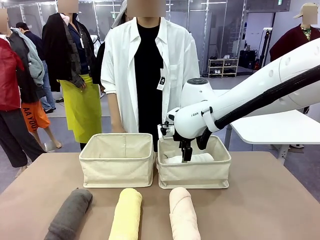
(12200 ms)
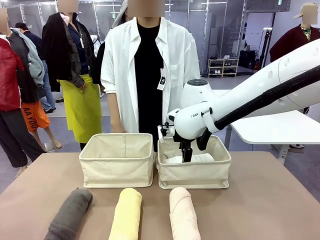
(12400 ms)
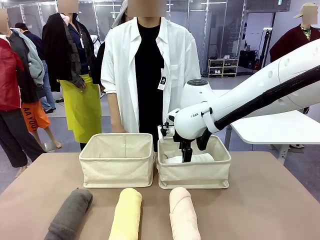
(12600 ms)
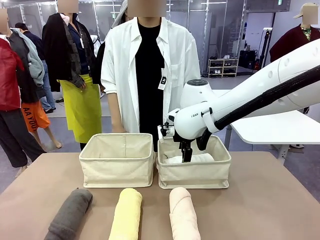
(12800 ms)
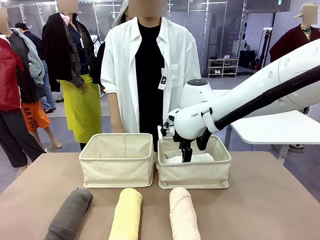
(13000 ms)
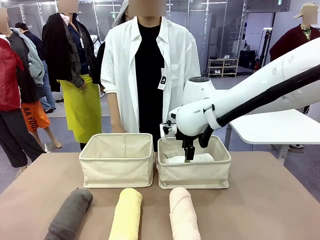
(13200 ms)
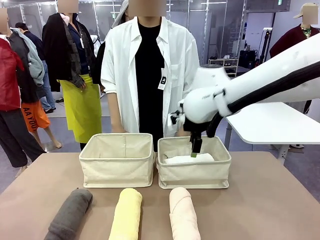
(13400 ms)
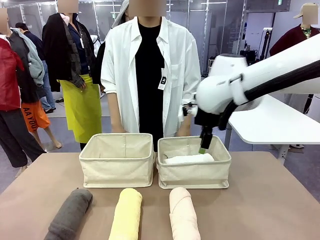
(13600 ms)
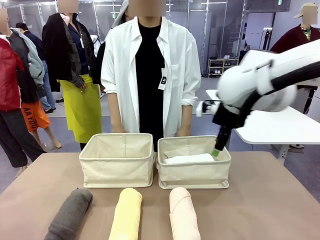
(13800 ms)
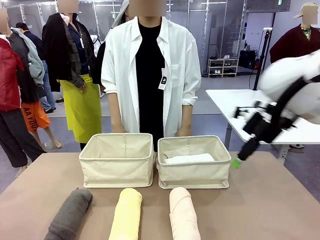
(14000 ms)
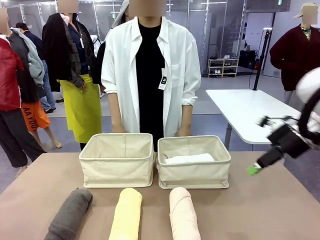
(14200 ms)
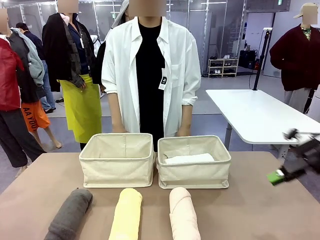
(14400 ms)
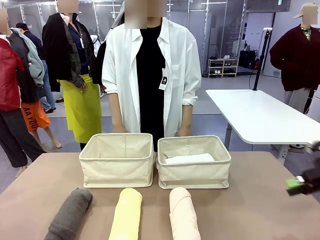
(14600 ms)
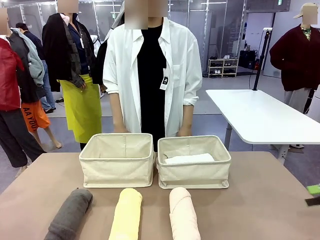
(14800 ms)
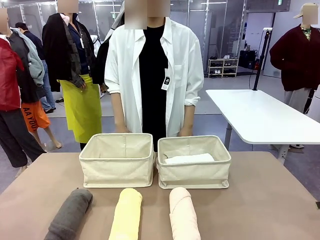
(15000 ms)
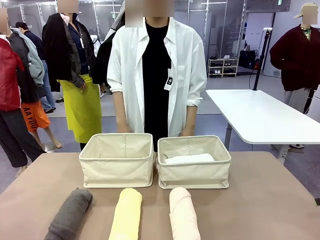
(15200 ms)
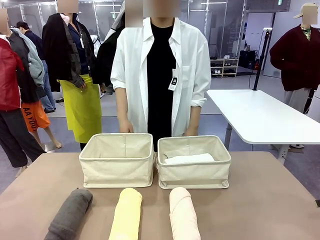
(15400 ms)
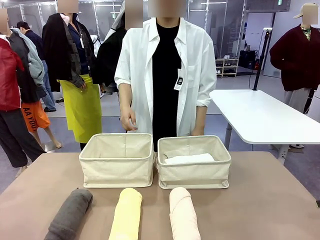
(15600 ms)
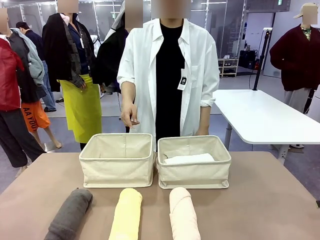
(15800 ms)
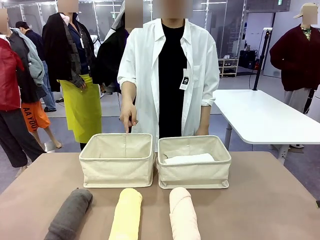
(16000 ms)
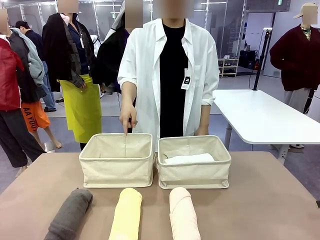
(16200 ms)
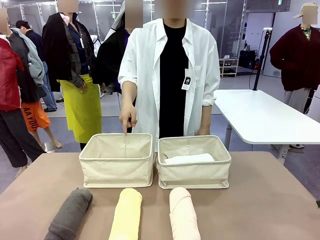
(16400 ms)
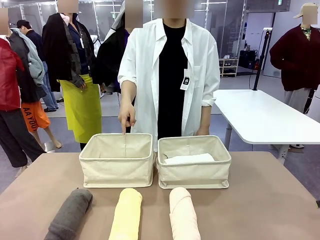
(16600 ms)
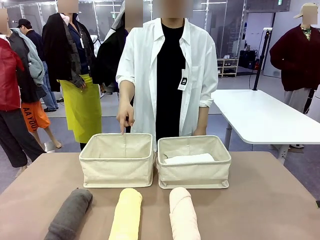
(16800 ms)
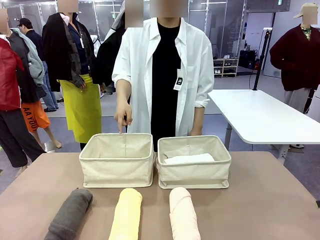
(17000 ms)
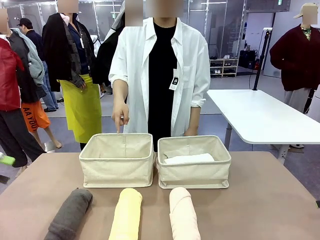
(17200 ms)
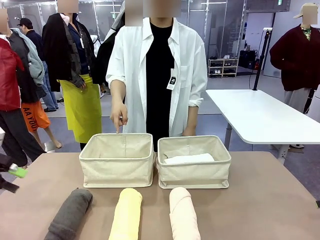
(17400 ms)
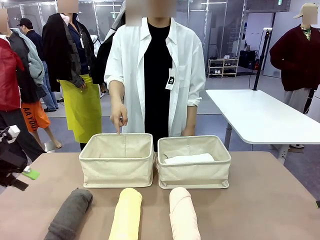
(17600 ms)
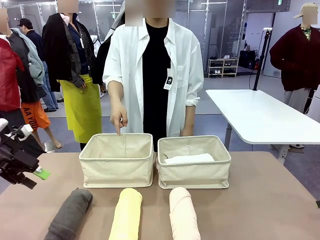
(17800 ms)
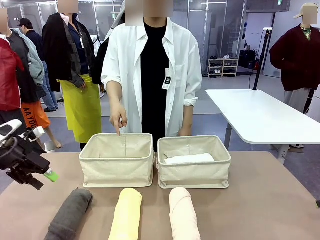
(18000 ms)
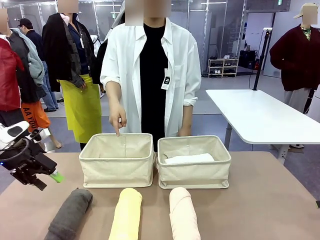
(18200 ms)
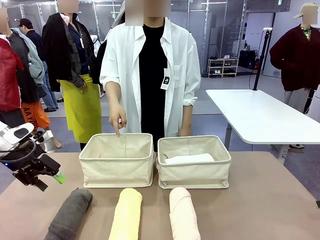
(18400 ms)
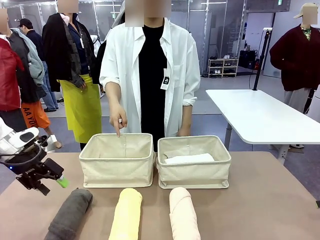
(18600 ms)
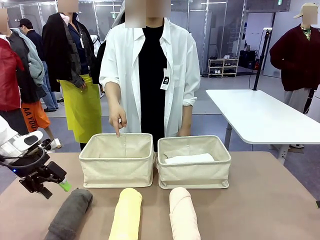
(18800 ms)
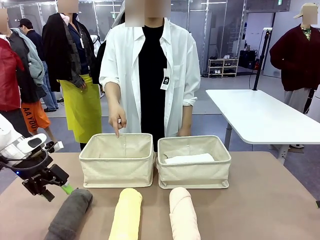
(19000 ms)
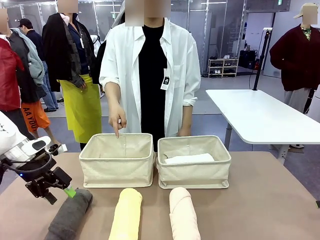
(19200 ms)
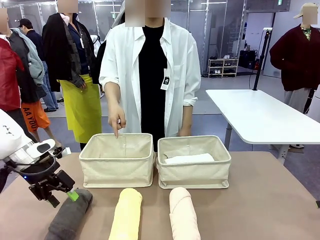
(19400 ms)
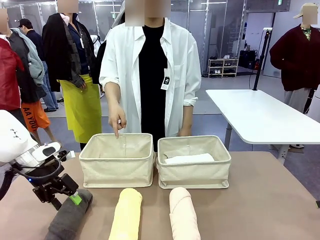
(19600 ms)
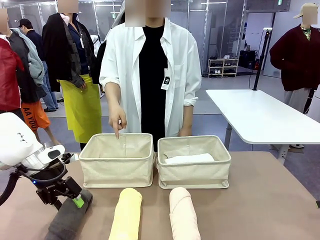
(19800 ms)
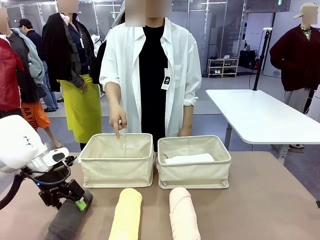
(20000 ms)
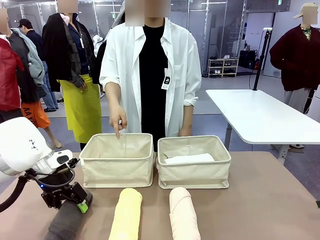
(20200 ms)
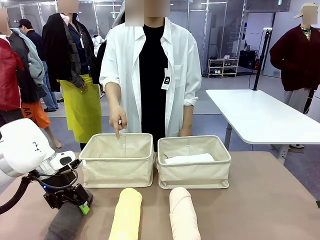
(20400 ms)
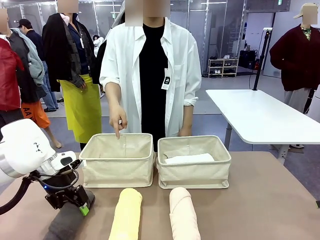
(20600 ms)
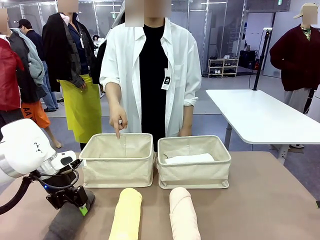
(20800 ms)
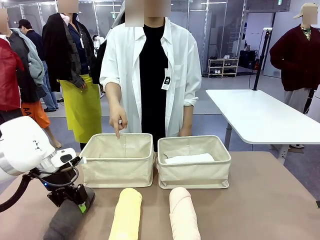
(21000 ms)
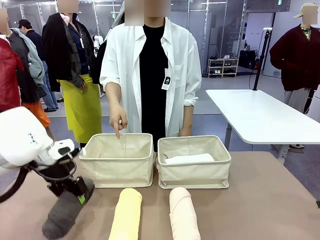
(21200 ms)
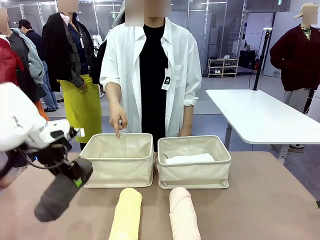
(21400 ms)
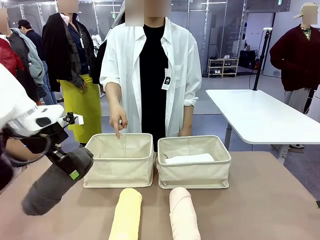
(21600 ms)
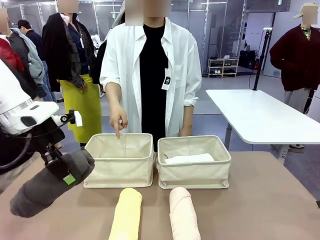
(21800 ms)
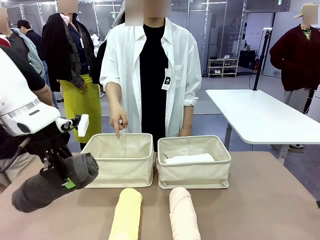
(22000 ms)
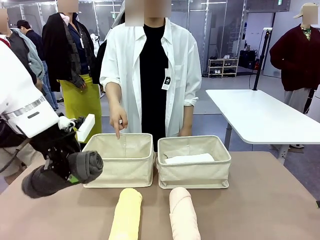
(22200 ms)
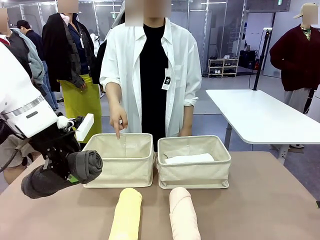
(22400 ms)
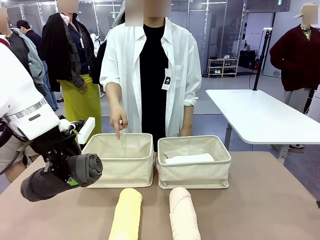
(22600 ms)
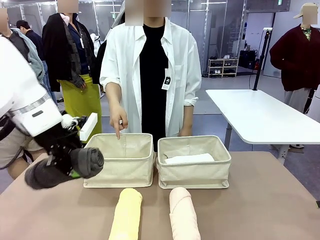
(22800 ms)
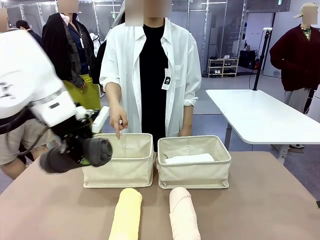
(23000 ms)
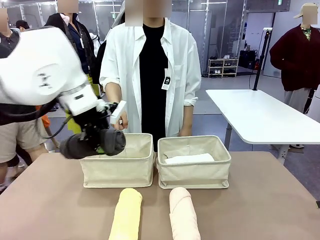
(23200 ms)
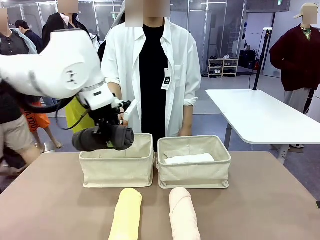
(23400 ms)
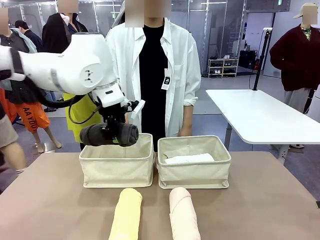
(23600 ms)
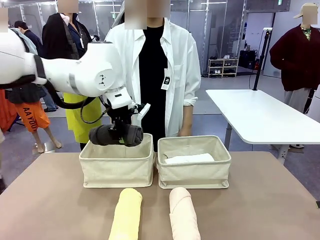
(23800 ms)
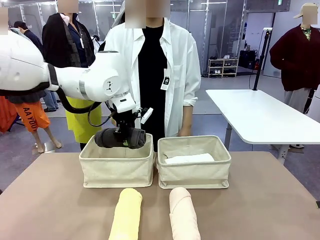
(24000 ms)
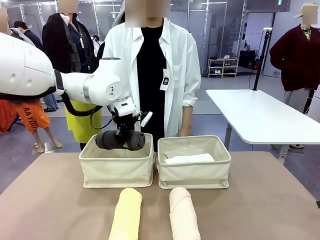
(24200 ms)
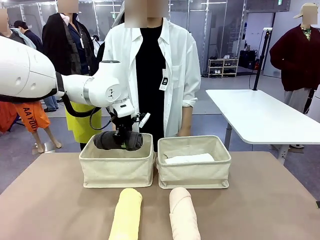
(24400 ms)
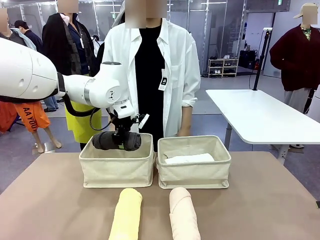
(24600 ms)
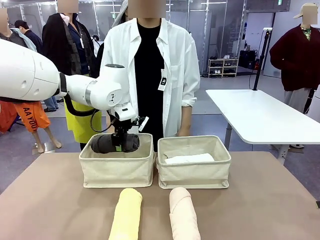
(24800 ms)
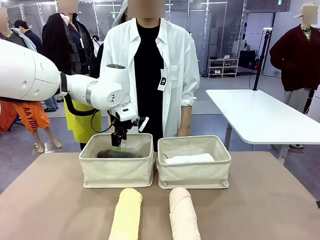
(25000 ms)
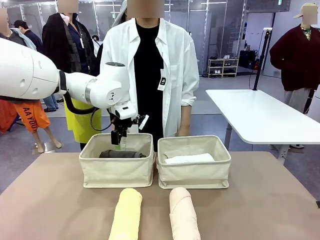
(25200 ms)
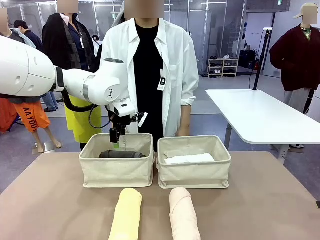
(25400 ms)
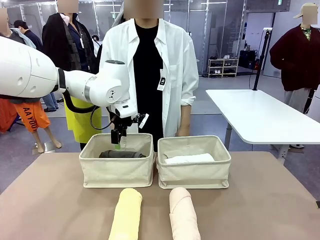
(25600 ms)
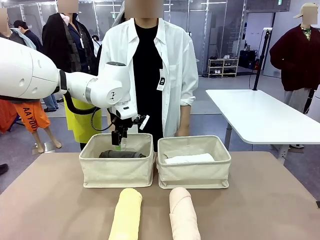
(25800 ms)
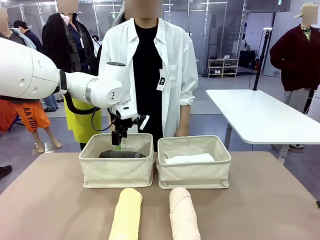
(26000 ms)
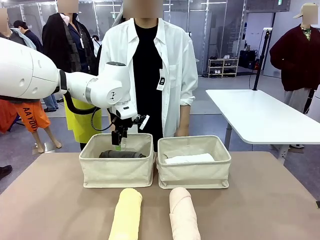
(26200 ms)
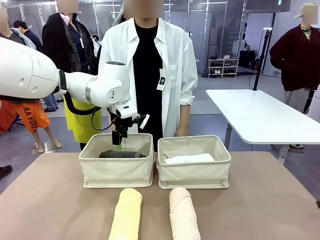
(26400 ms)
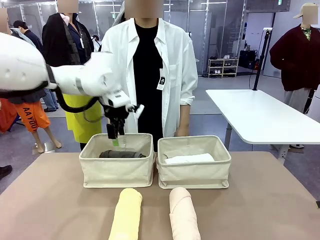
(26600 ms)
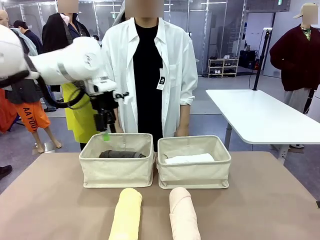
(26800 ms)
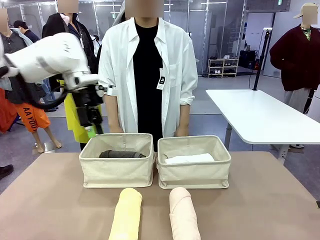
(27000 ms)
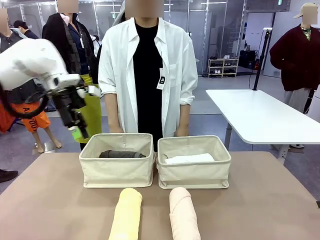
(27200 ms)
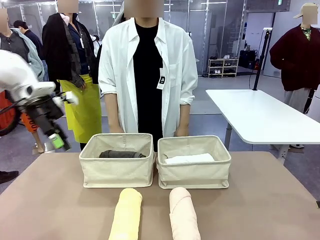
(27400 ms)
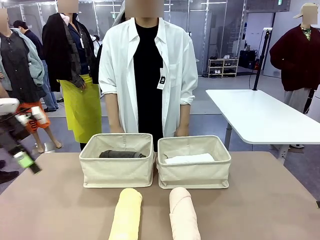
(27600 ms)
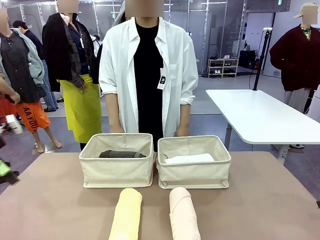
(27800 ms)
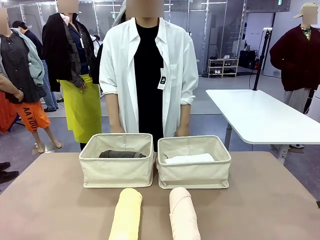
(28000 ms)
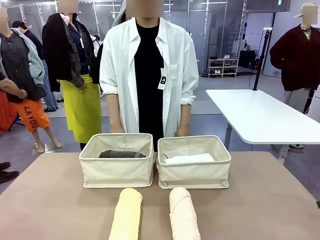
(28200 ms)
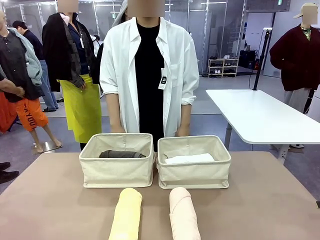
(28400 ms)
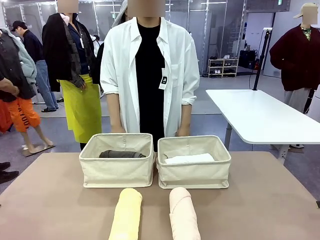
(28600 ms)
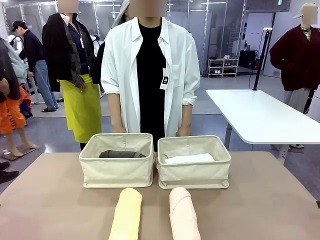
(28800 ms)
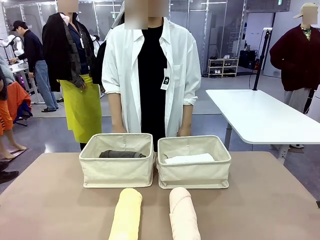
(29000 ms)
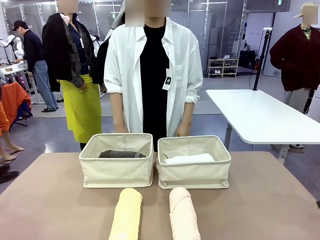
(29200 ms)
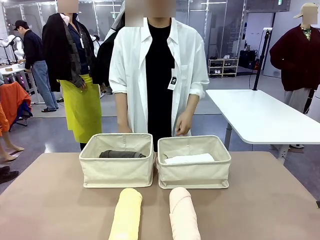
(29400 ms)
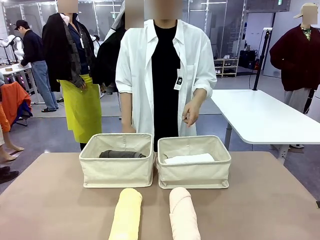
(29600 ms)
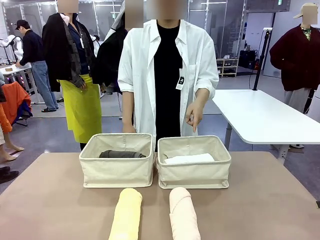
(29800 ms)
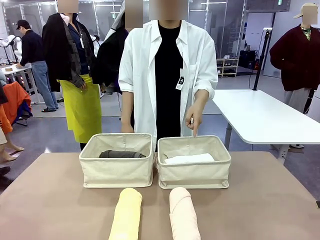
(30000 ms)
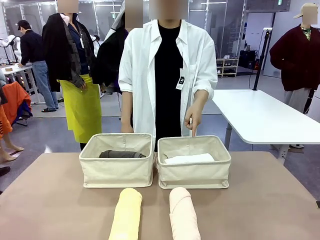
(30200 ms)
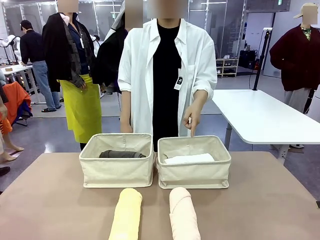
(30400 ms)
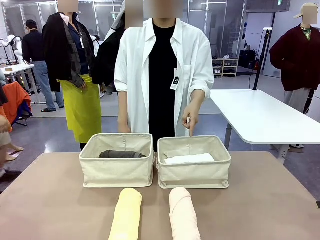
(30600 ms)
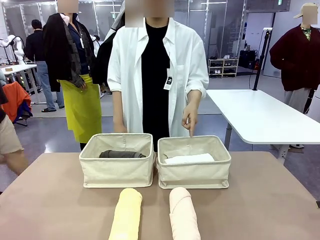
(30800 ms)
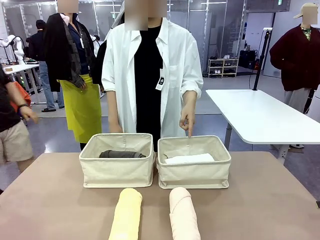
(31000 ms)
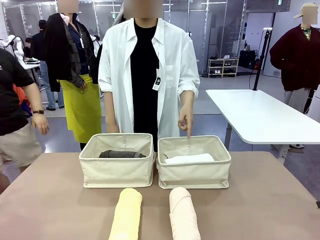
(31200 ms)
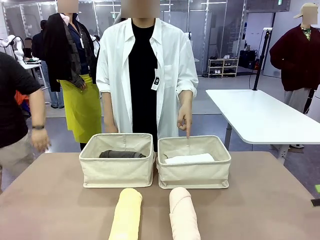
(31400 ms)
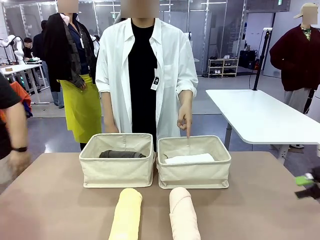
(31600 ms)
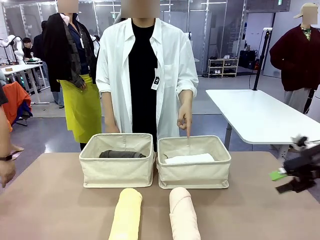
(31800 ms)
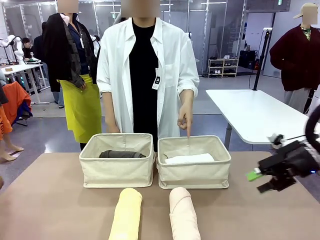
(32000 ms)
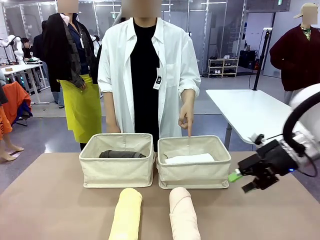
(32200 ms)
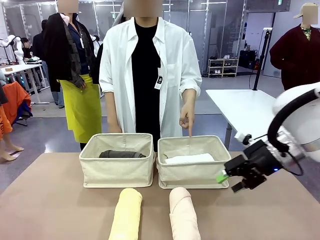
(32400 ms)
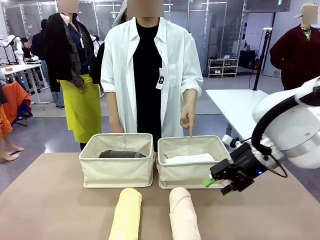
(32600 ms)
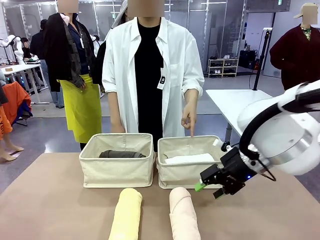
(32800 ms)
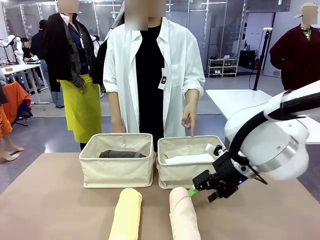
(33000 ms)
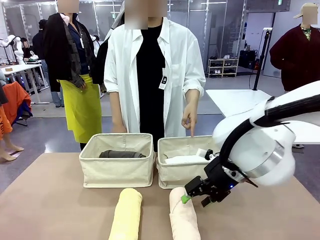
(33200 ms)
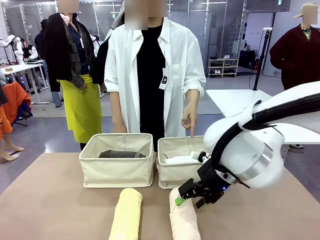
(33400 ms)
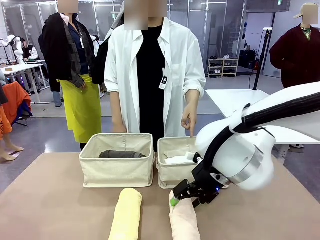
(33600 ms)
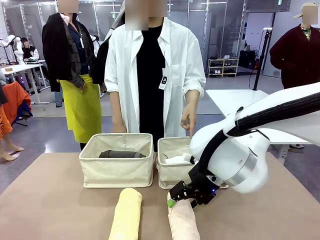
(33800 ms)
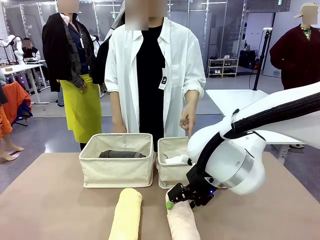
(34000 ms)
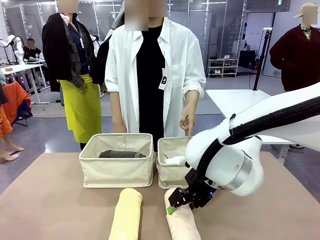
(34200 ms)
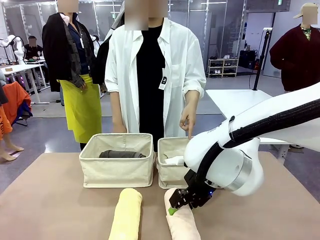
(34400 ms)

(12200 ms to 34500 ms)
Task: Divide the towels into two baskets.
Robot: Pick up one hotel-folded towel from the bottom of the table and place it in the Fabric basket indicated by the person.
